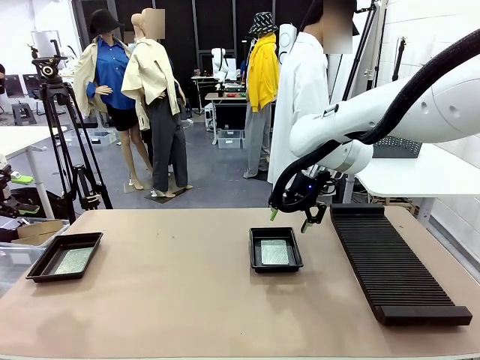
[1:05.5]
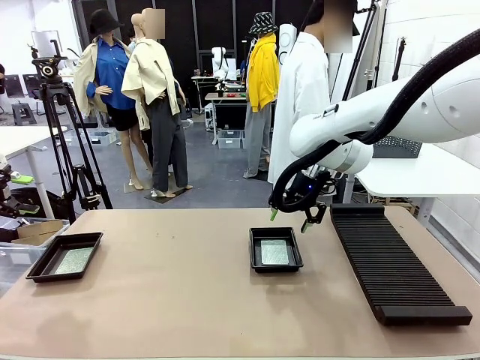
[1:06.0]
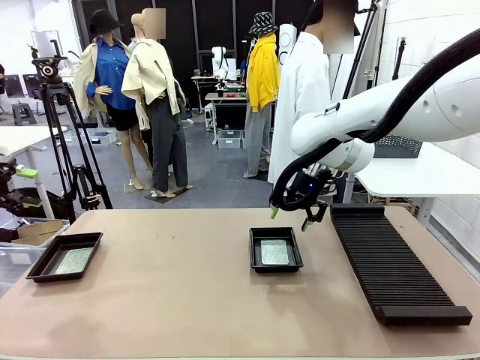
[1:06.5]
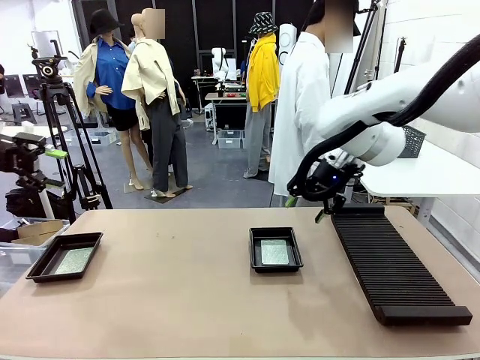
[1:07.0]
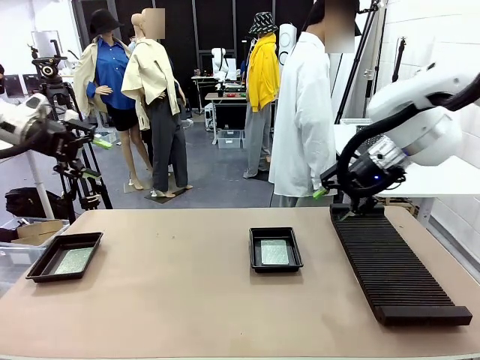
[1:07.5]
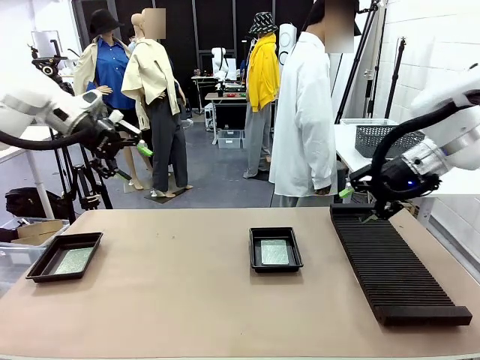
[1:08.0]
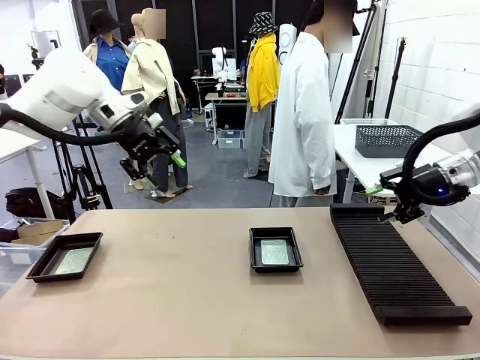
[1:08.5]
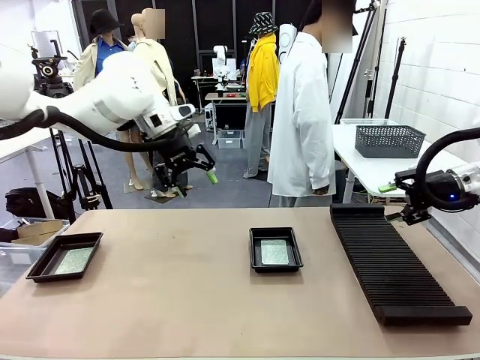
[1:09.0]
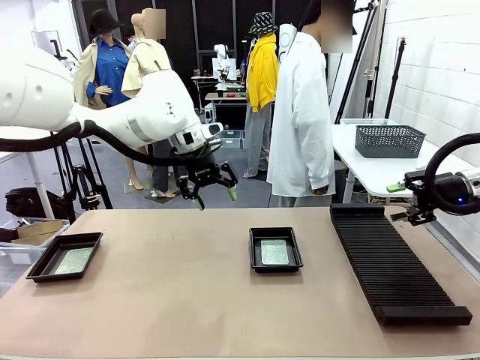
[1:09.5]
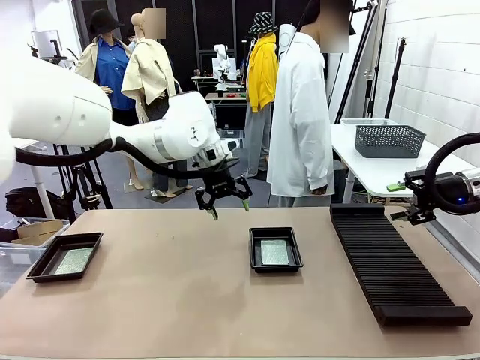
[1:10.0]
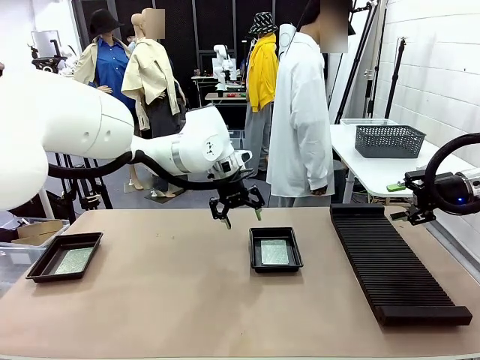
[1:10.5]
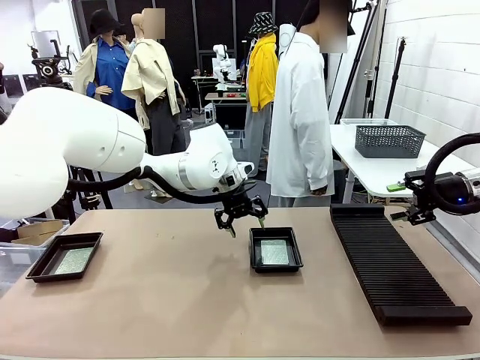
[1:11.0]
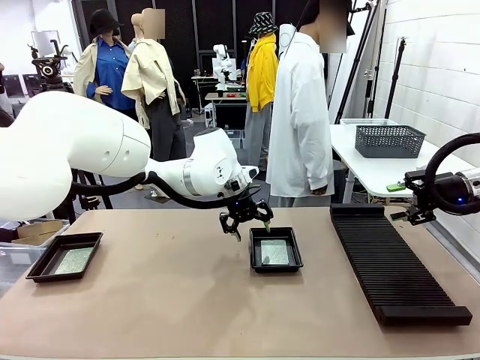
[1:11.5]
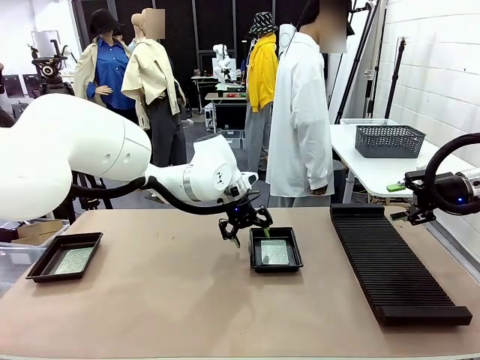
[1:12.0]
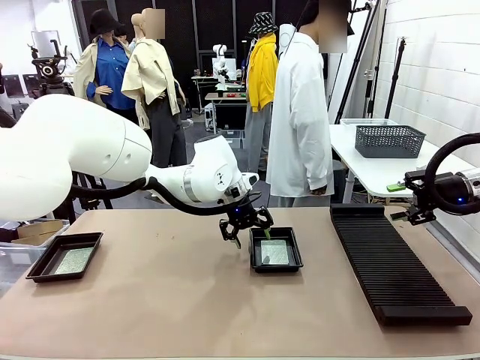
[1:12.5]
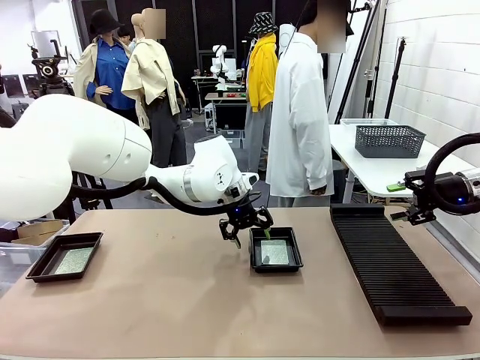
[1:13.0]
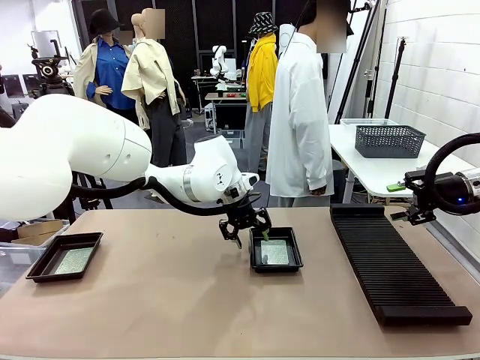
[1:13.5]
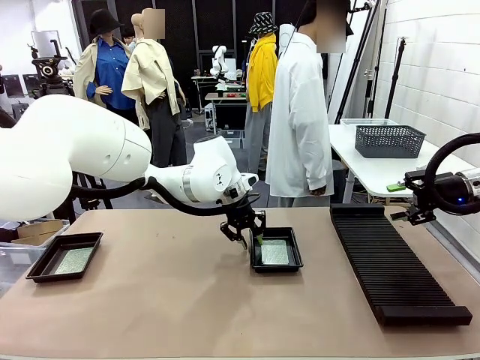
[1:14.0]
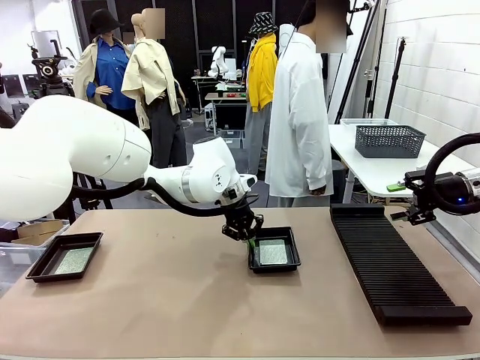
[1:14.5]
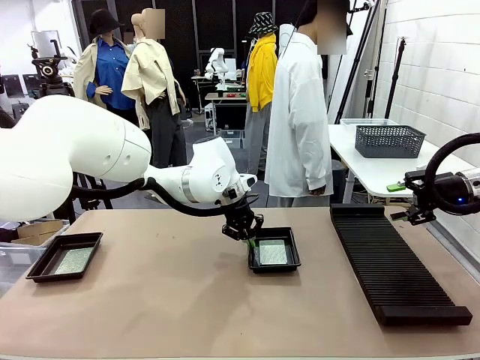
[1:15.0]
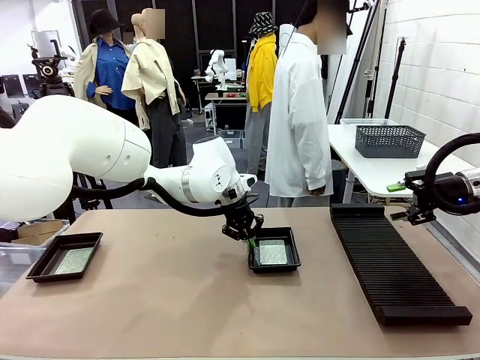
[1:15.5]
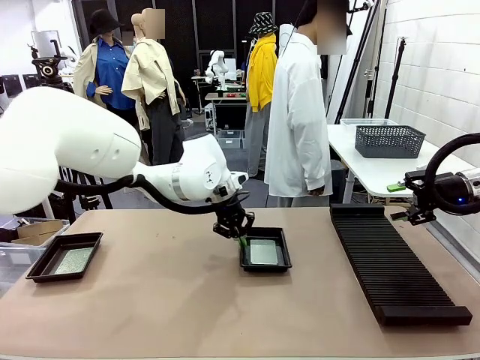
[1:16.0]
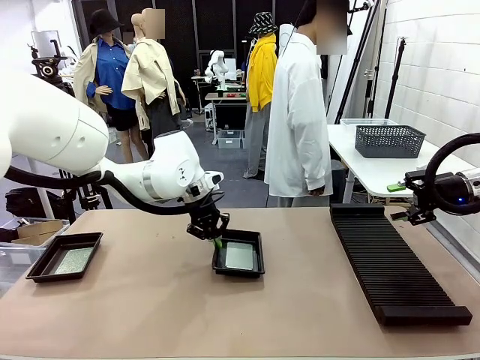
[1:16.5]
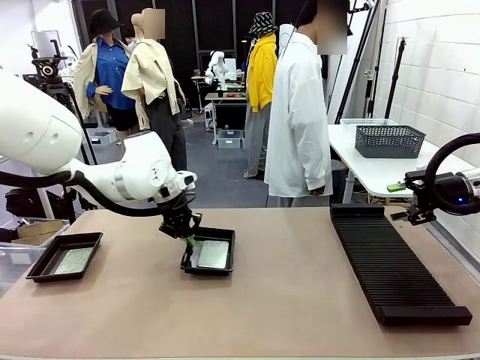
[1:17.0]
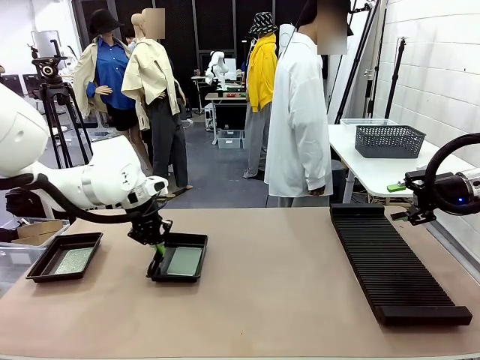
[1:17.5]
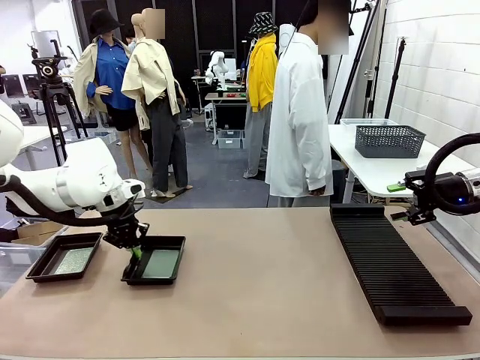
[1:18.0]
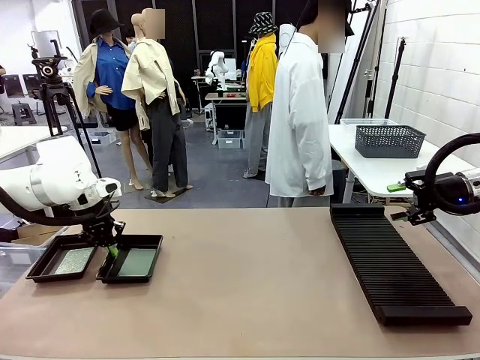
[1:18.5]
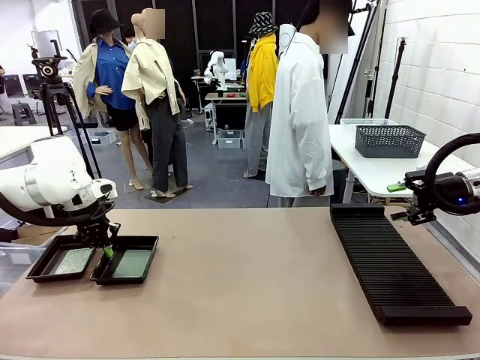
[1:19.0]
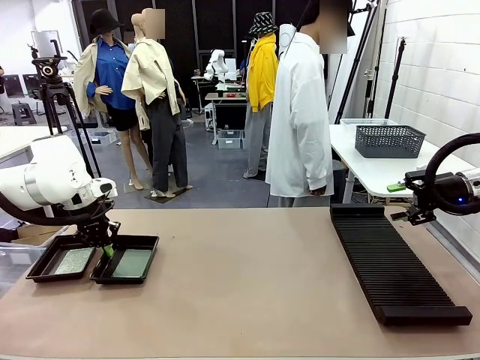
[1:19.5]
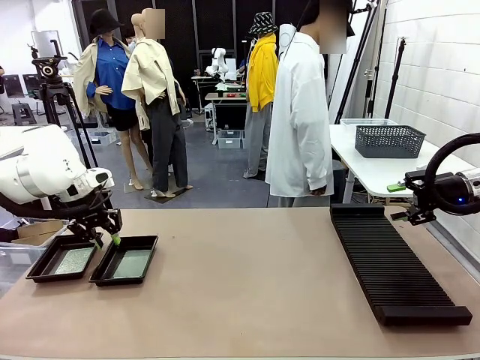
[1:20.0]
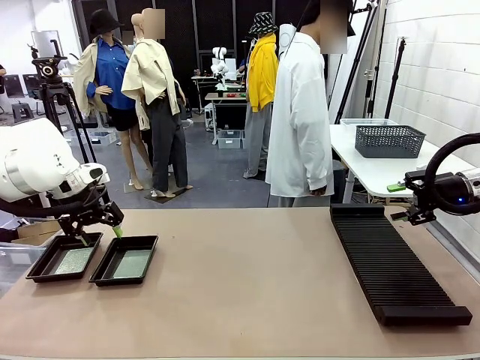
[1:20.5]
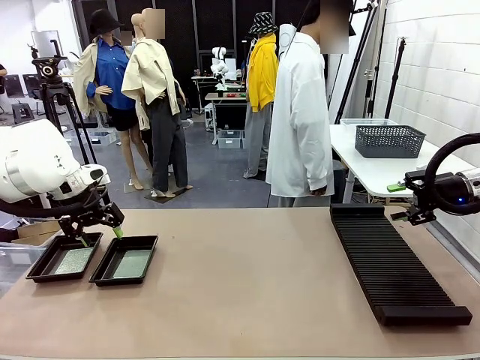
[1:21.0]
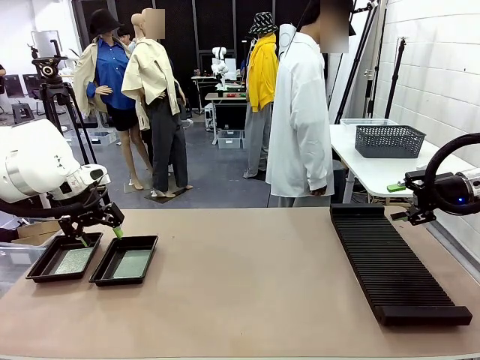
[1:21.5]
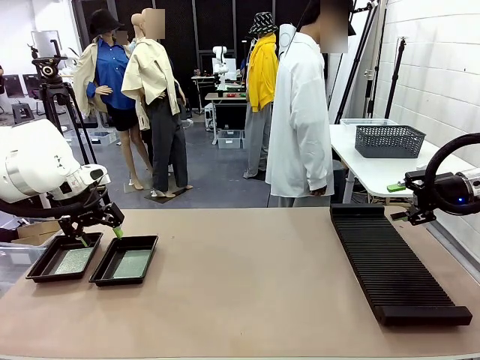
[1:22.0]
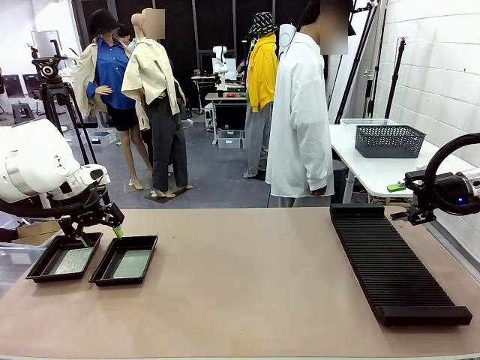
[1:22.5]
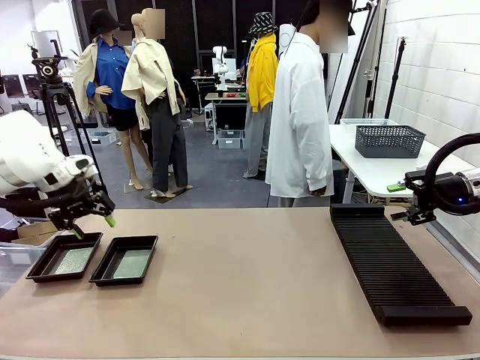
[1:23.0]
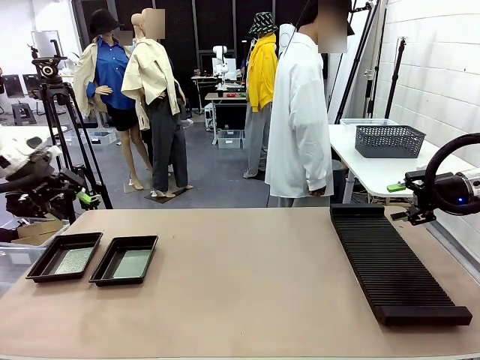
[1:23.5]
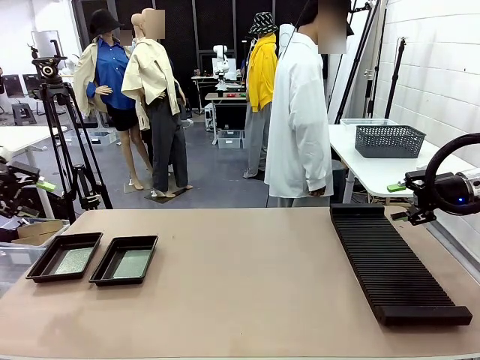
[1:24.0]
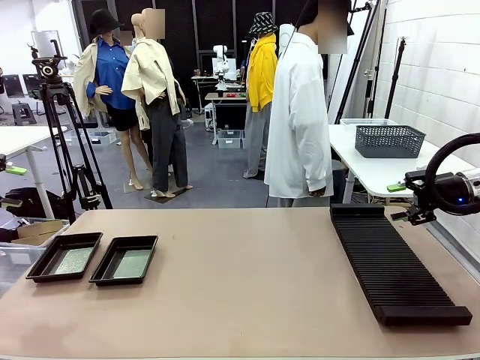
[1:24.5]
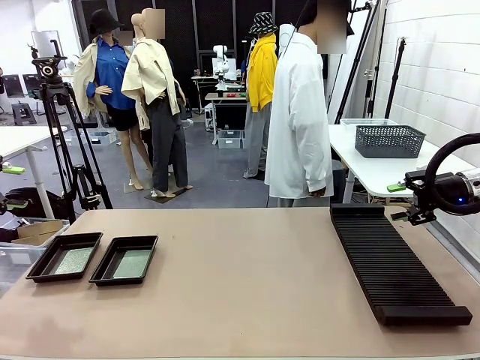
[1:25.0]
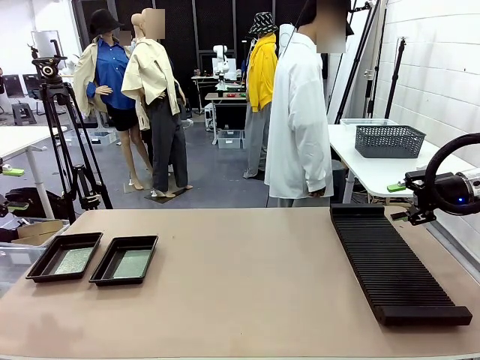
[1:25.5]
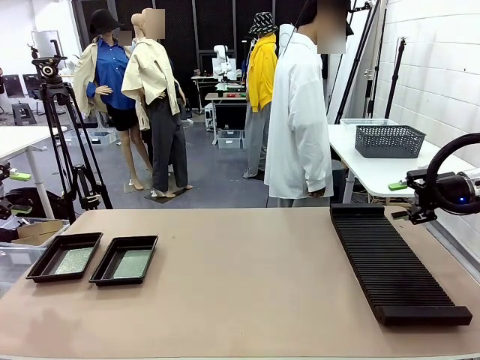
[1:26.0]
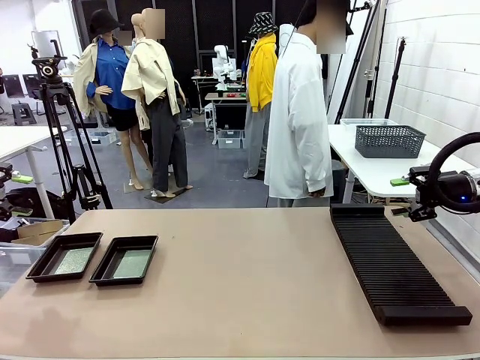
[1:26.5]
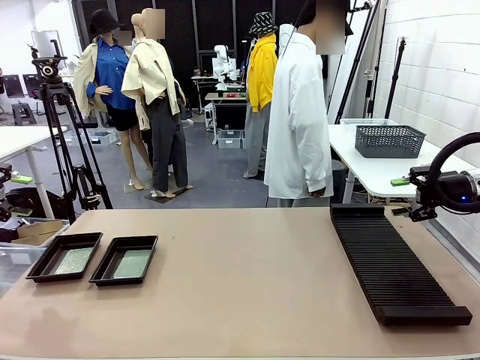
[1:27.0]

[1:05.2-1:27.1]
Task: Inspect and transfer BCBs to ESD trays.
Robot: Pick up the ESD tray and place it on the left side of the table.
